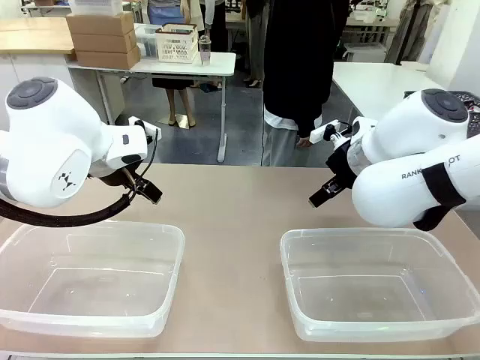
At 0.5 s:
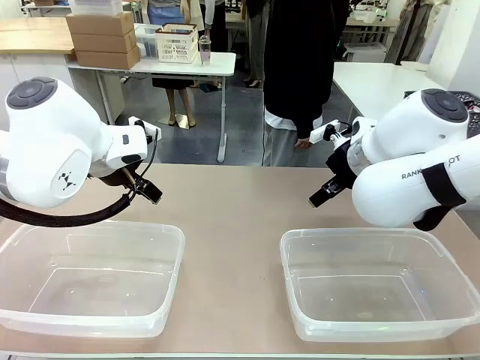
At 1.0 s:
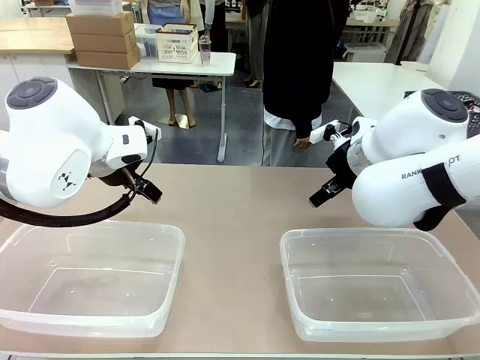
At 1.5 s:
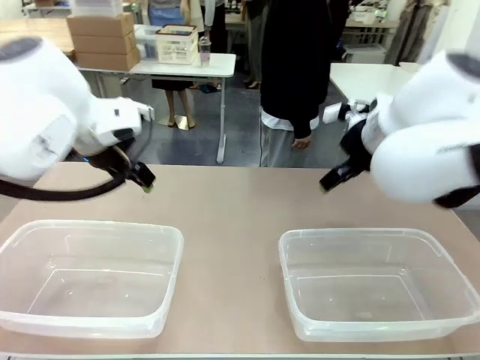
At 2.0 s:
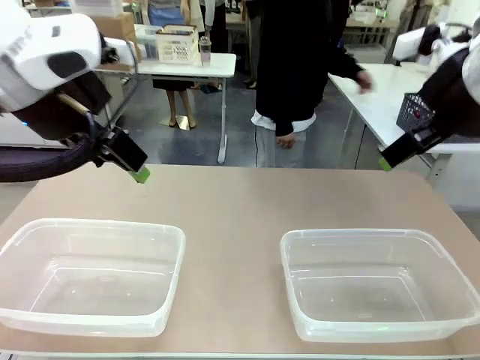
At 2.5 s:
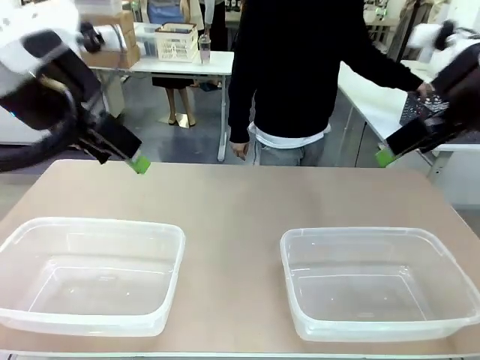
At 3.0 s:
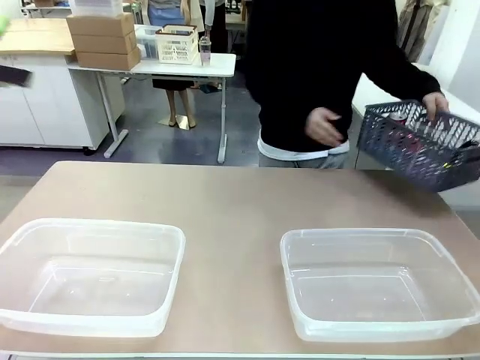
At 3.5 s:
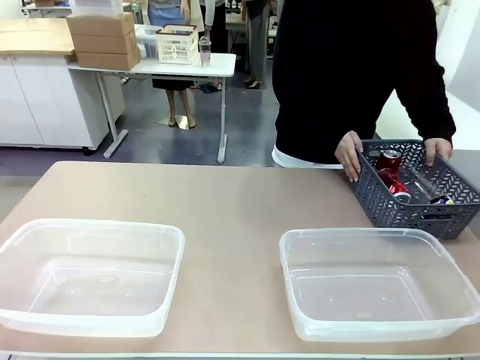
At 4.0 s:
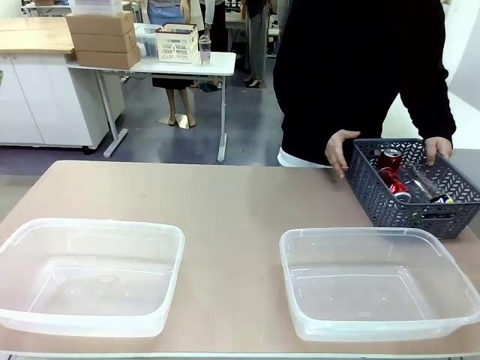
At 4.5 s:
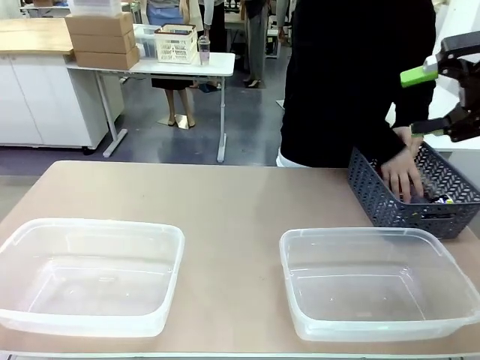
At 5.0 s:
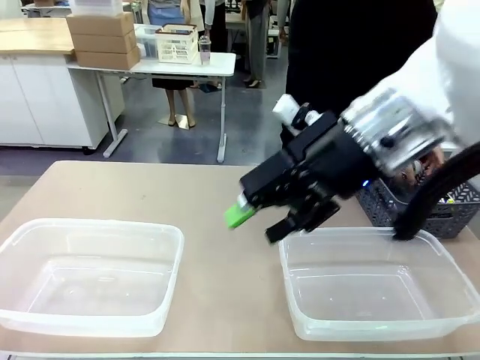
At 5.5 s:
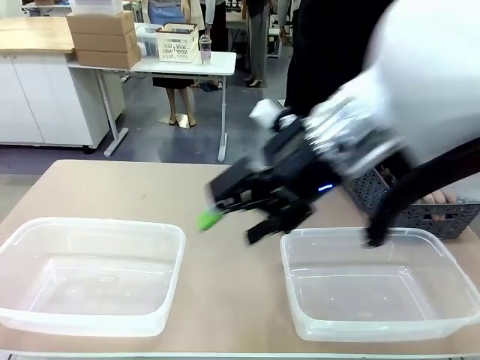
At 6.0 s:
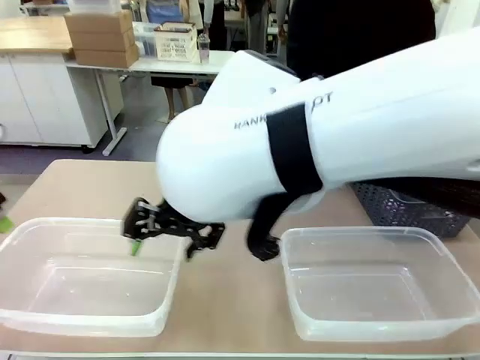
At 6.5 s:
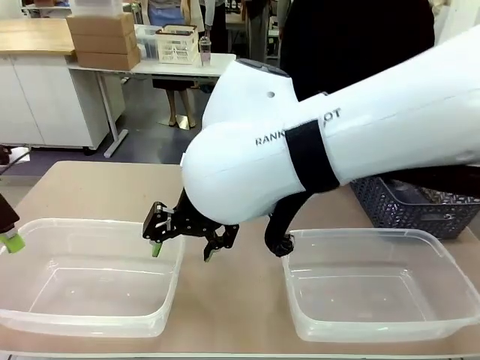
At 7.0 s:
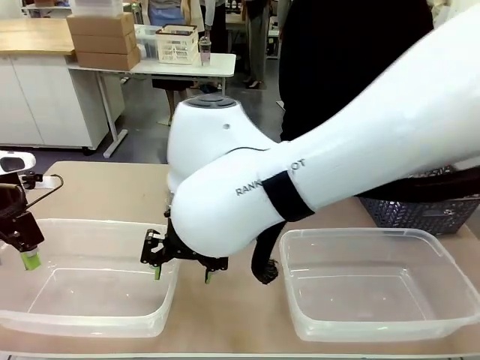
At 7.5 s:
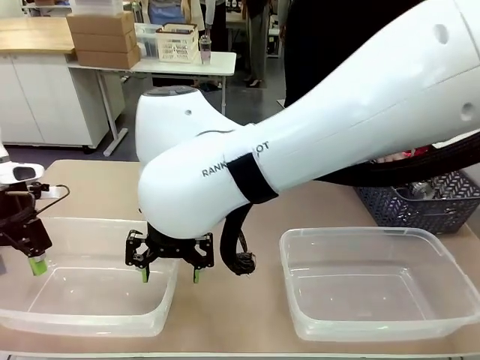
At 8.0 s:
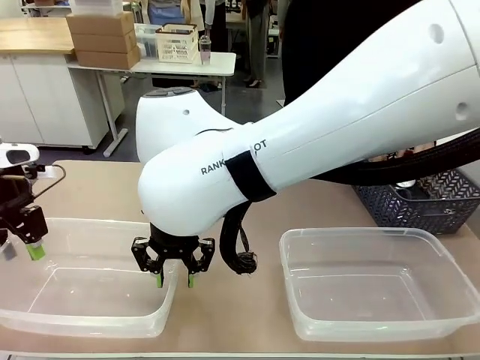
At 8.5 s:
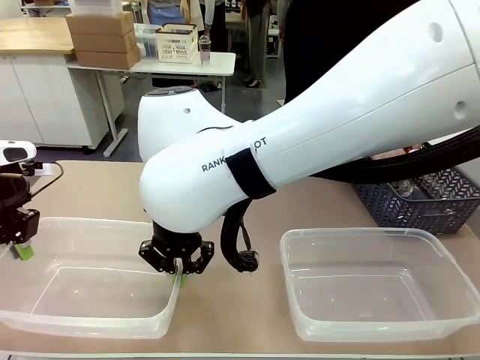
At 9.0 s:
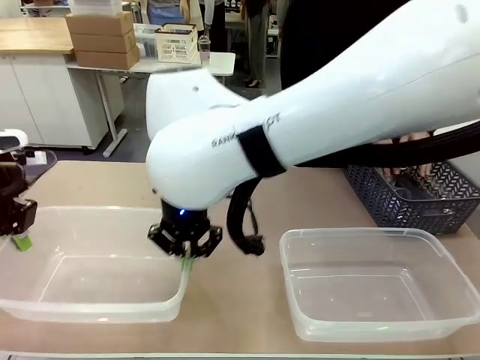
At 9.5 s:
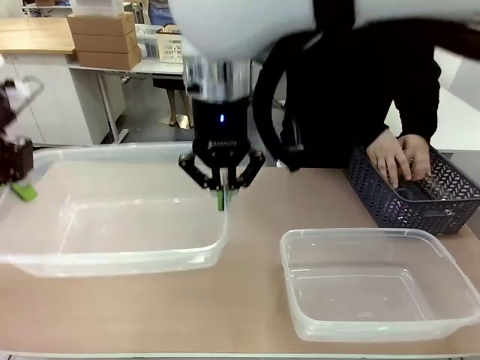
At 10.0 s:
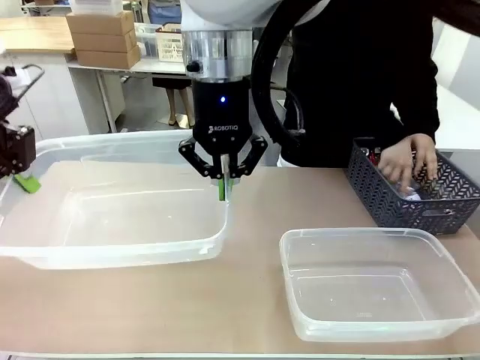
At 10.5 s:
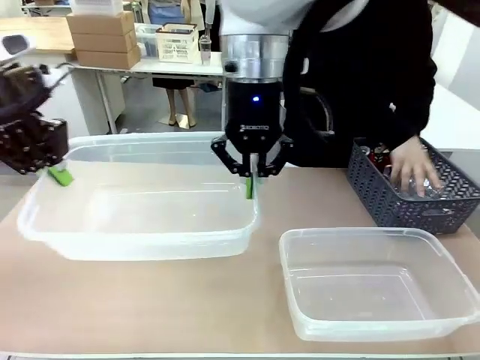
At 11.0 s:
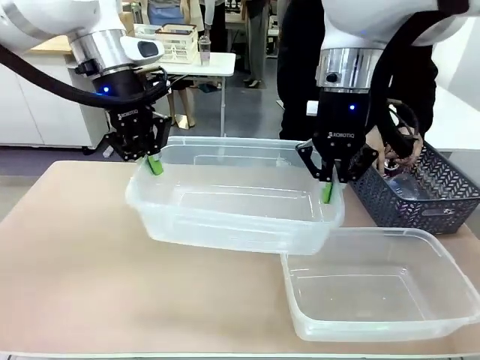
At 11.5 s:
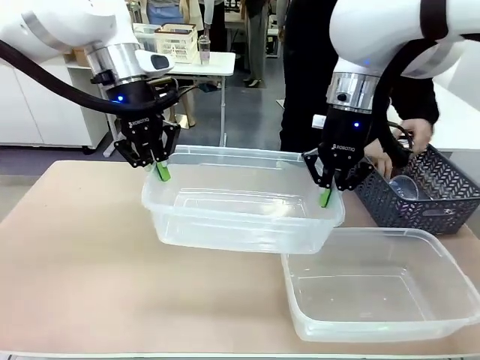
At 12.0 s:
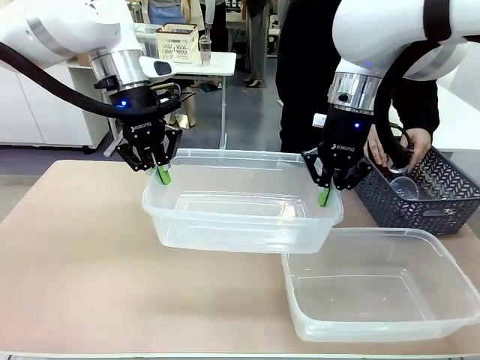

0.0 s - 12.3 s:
Robot: Pick up the Organizing box on the left side of the table and lift it.
Person: Pick up the storage basket and place it on the left side of the robot table. Pick up can-shaped waste one by one and place it into the organizing box lifted by the robot.

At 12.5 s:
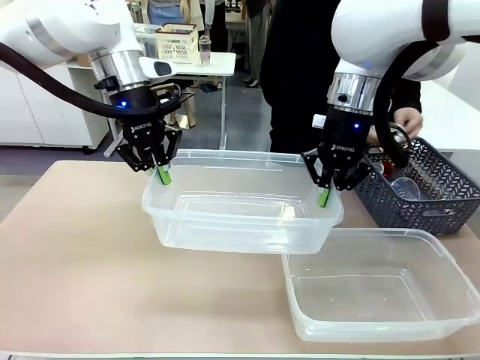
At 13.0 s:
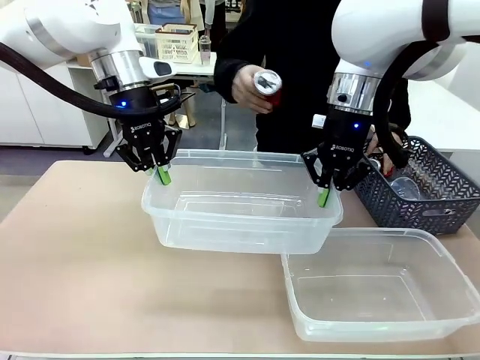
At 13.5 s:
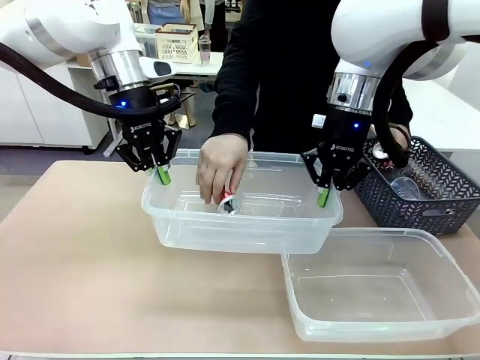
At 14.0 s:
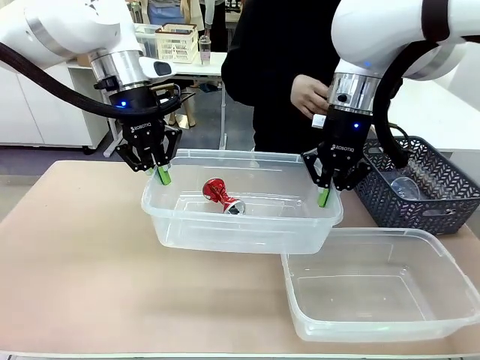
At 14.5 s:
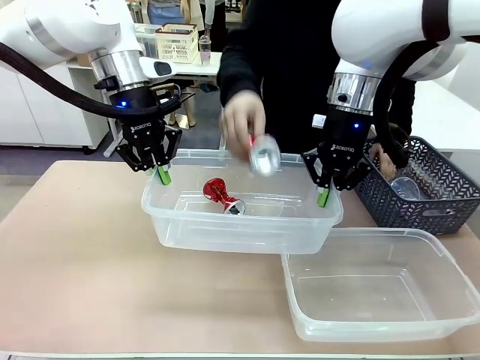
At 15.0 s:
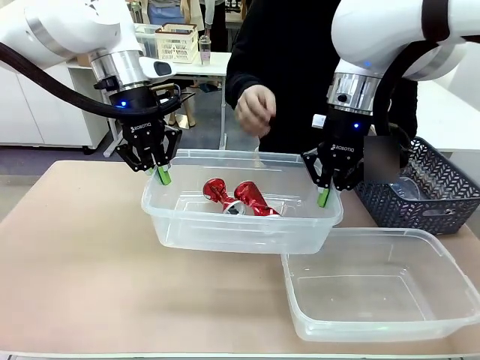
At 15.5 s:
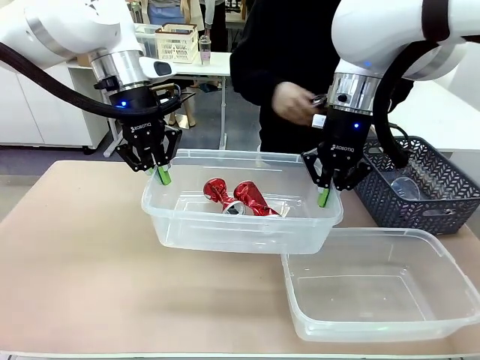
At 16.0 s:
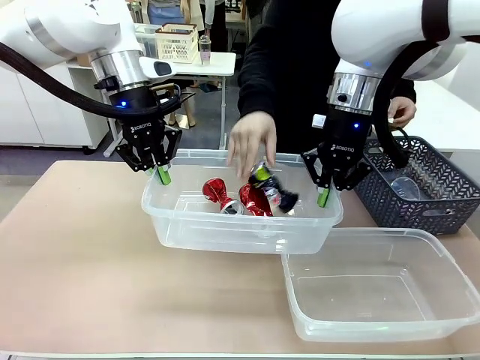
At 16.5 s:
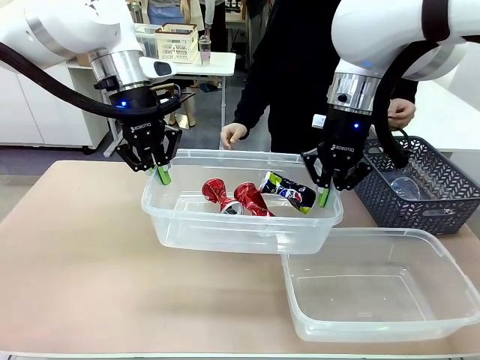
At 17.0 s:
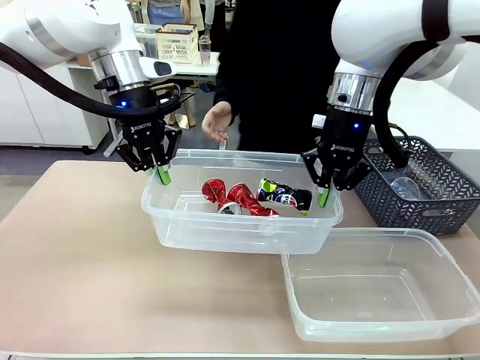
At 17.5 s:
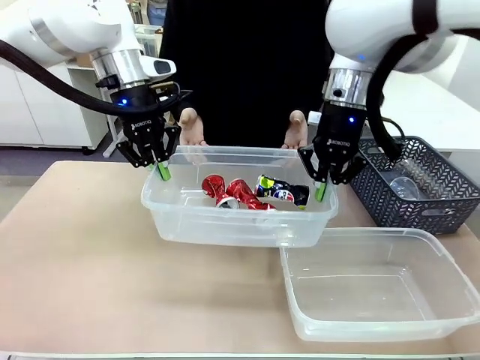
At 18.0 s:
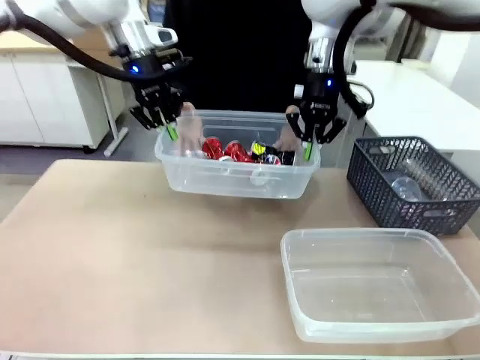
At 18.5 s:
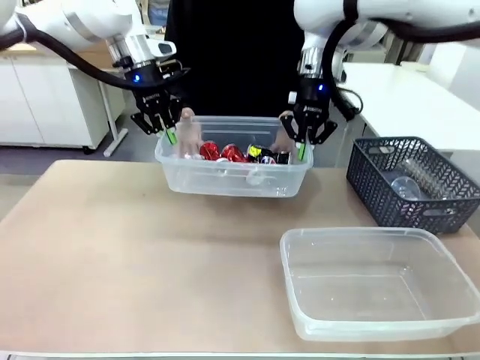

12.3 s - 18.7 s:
Robot: Offer the picked Organizing box to the human.

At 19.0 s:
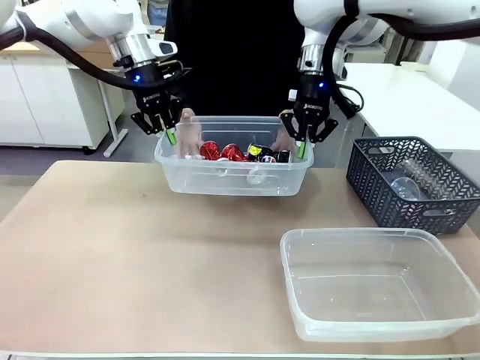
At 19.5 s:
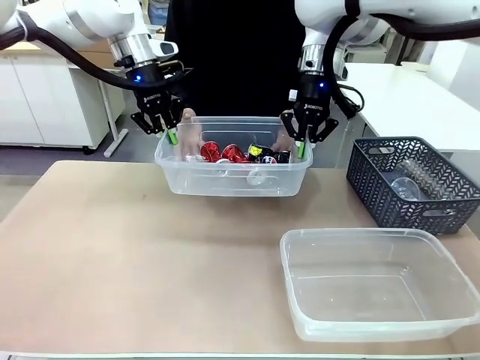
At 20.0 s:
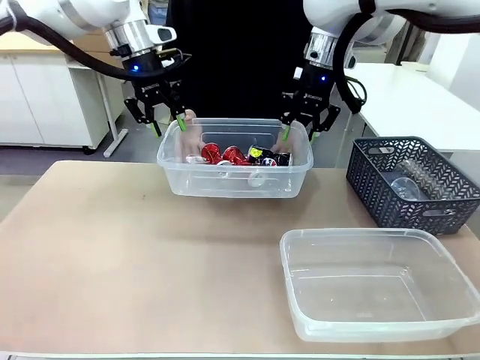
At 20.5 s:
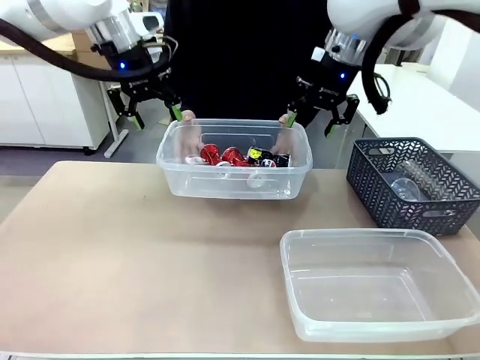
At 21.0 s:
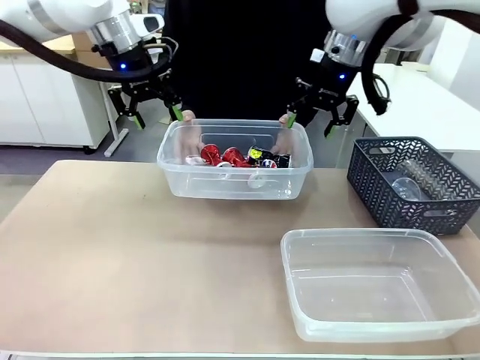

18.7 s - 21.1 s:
Robot: Release the Organizing box you were holding.

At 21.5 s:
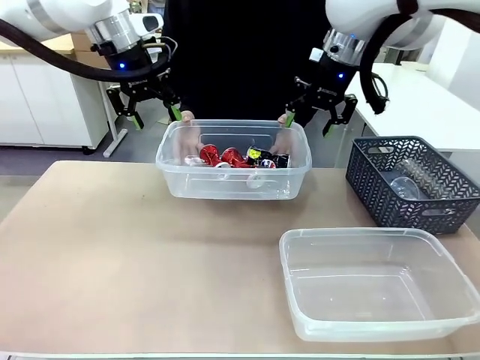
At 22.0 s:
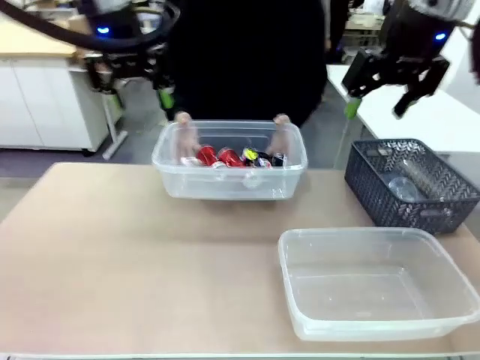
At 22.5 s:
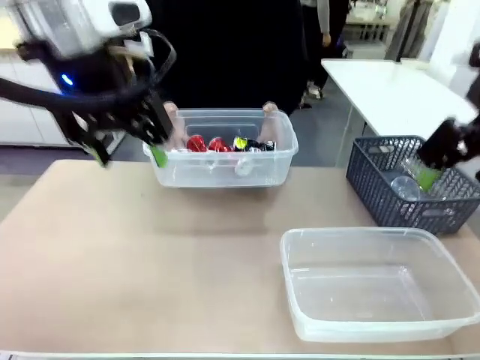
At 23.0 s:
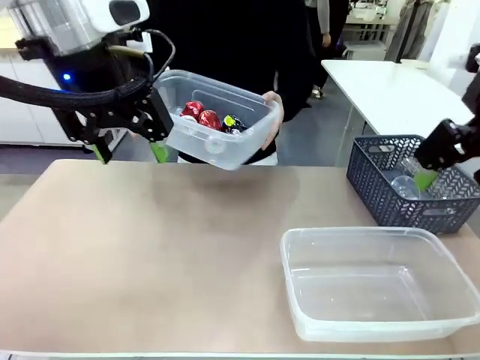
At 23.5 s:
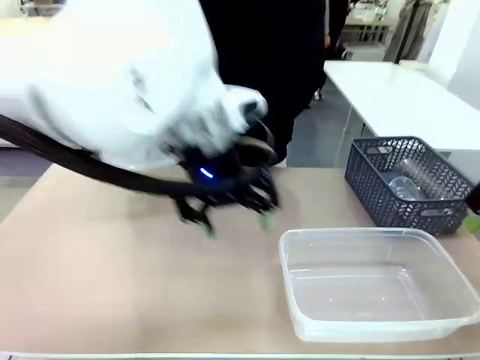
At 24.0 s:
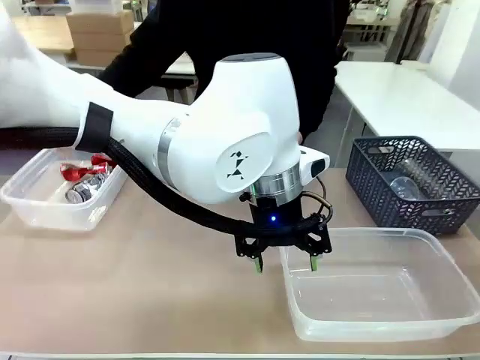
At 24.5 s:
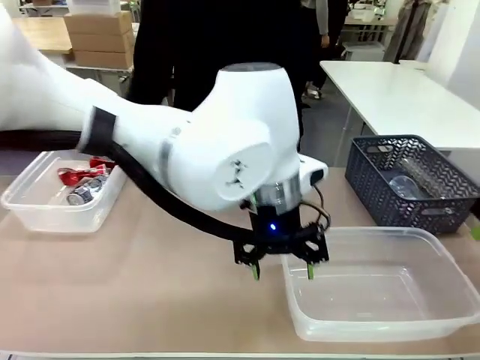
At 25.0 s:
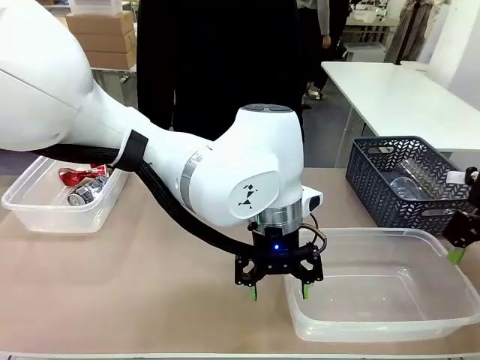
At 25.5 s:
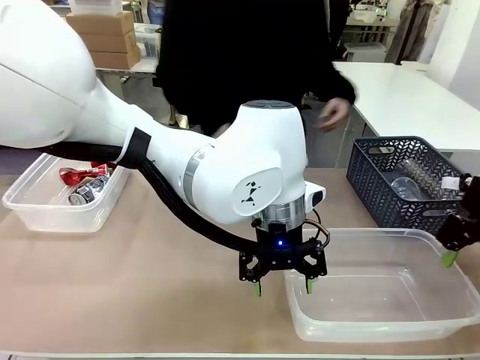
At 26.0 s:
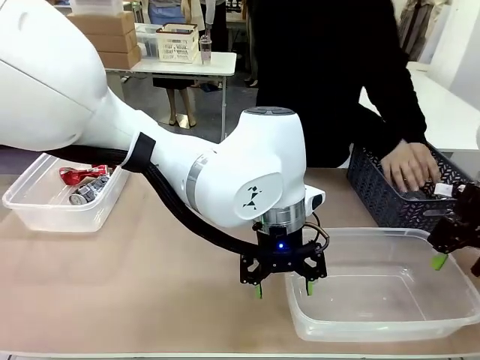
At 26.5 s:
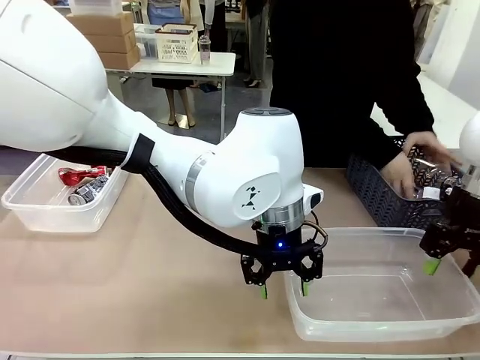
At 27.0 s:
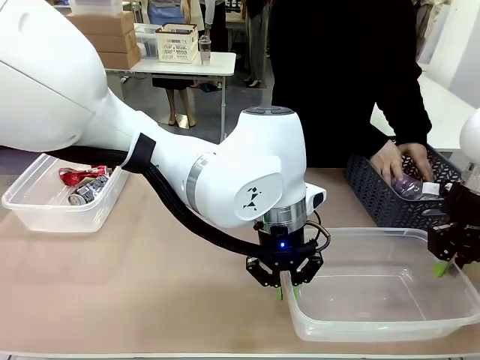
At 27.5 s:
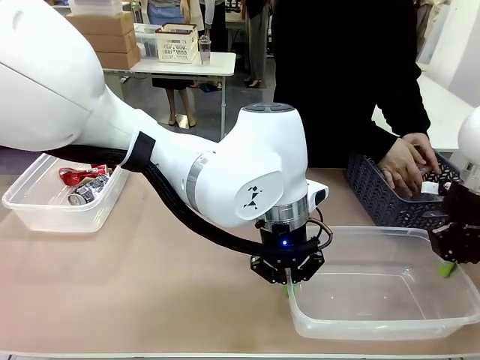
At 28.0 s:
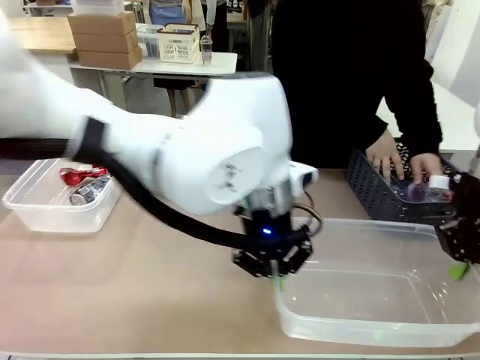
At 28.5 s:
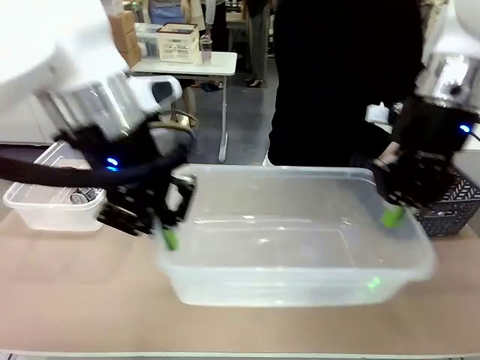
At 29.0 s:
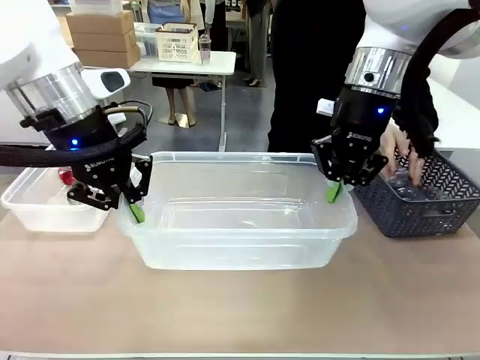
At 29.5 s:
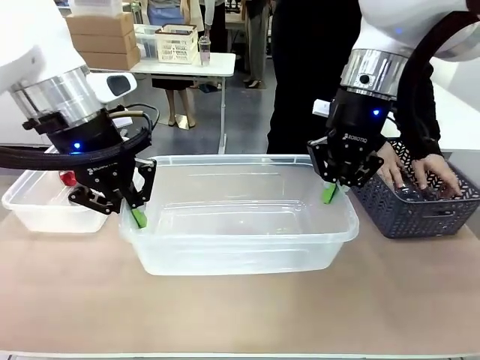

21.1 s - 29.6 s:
Robot: Pick up the Organizing box on the right side of the table and lift it.
Person: Place it at the edge of the bottom right area of the robot table.
